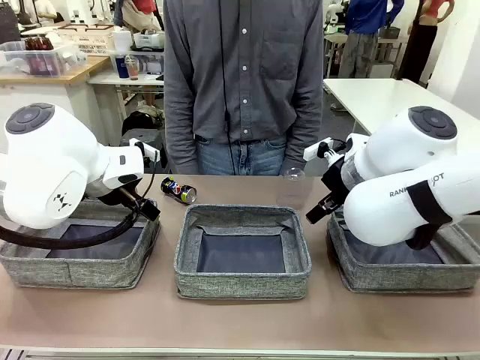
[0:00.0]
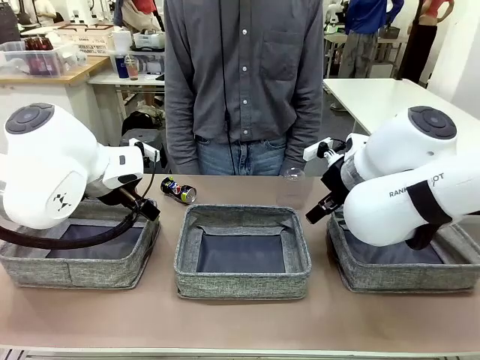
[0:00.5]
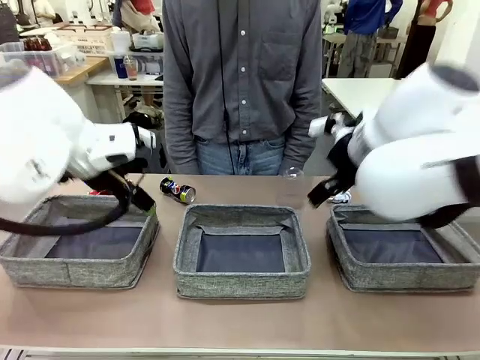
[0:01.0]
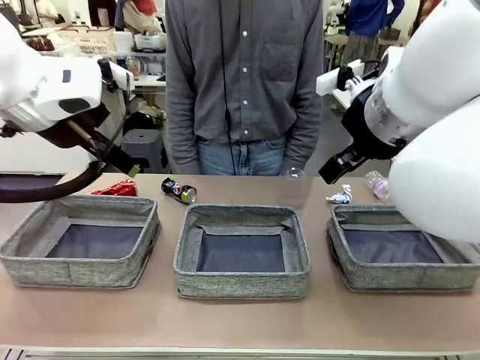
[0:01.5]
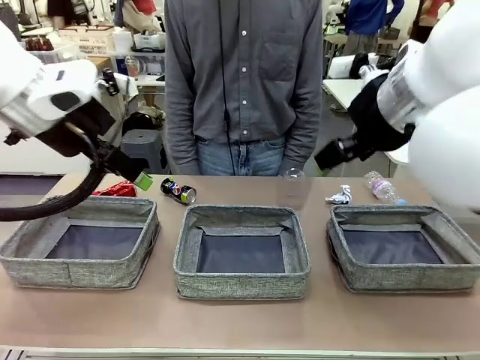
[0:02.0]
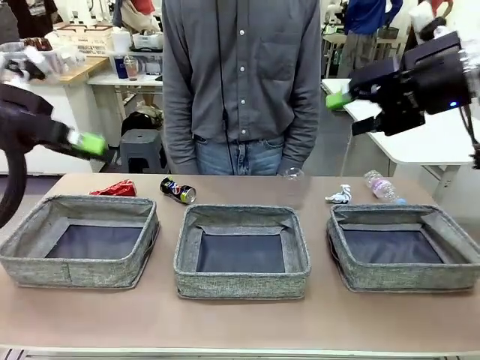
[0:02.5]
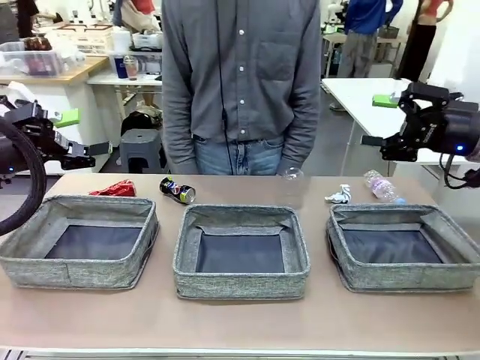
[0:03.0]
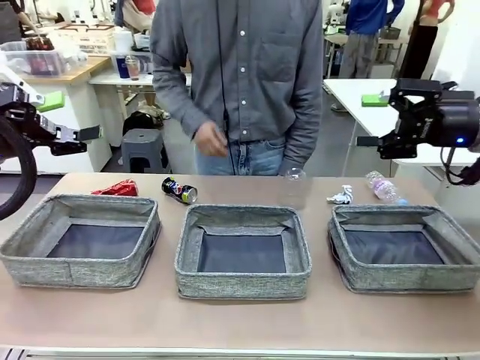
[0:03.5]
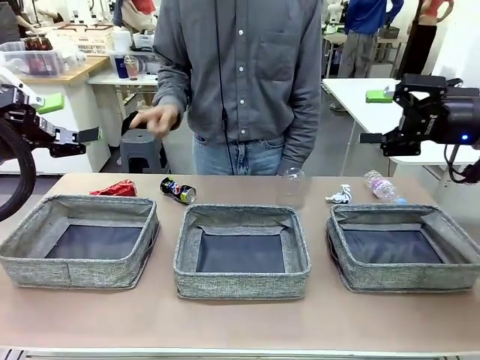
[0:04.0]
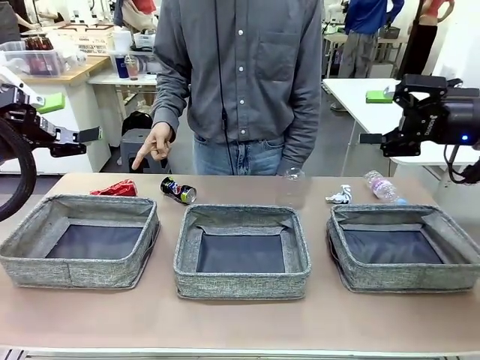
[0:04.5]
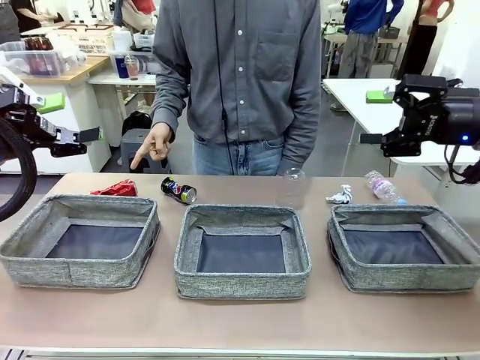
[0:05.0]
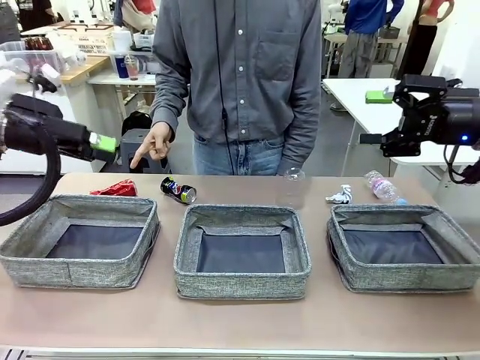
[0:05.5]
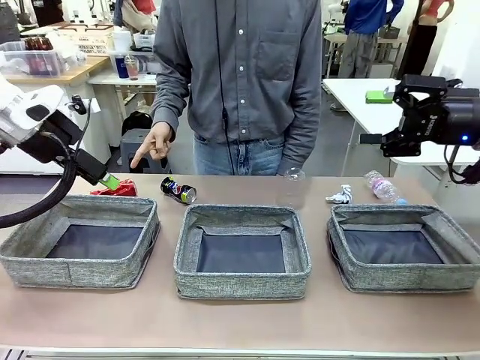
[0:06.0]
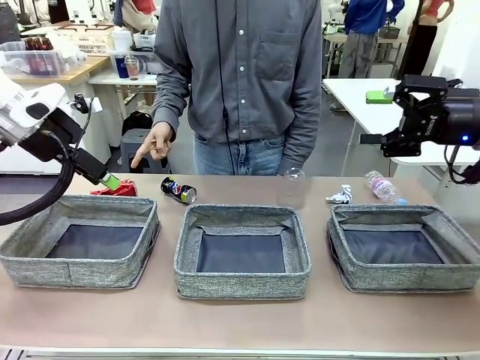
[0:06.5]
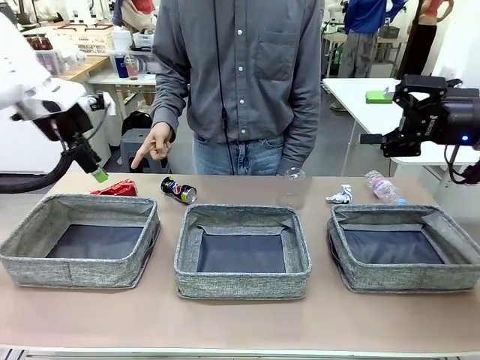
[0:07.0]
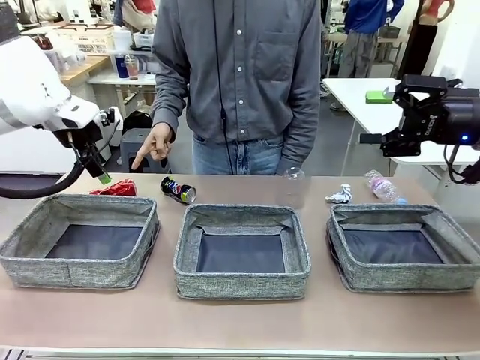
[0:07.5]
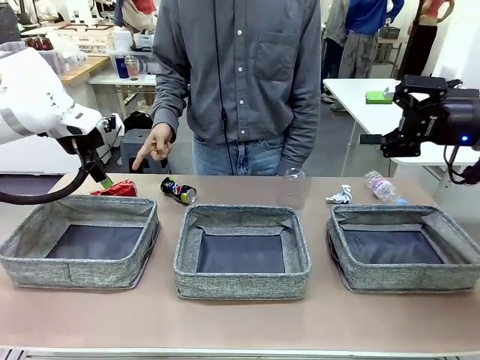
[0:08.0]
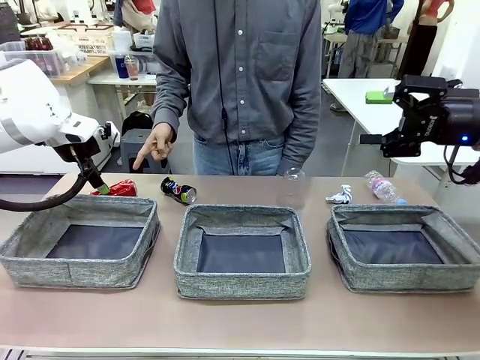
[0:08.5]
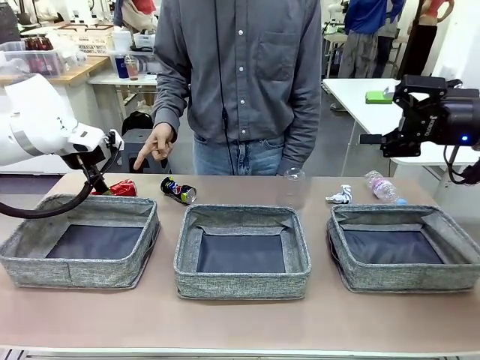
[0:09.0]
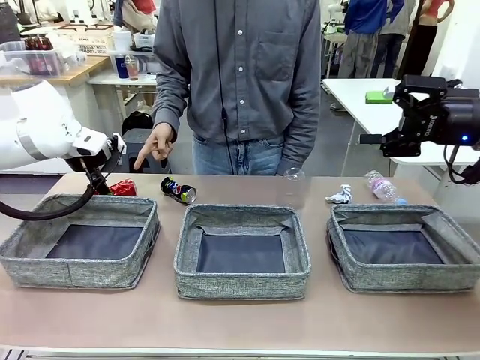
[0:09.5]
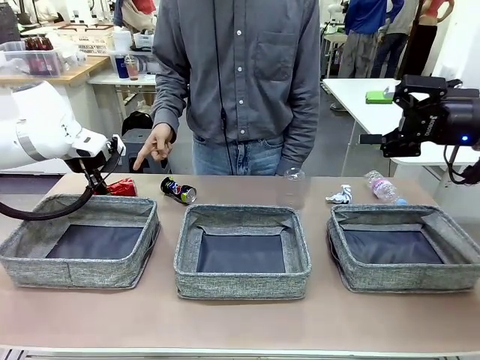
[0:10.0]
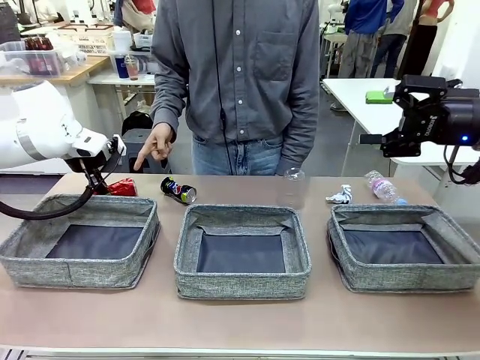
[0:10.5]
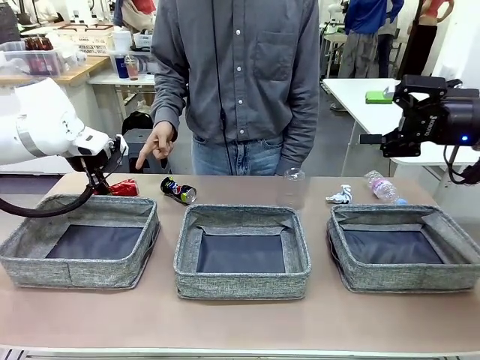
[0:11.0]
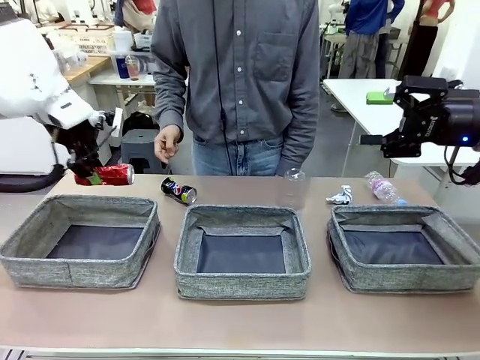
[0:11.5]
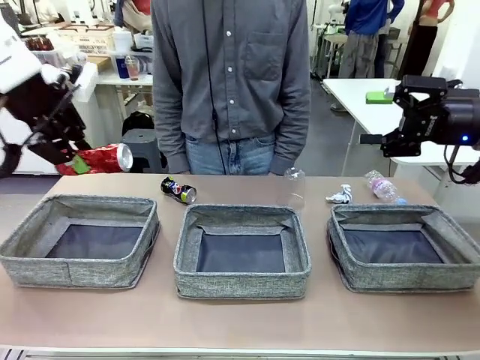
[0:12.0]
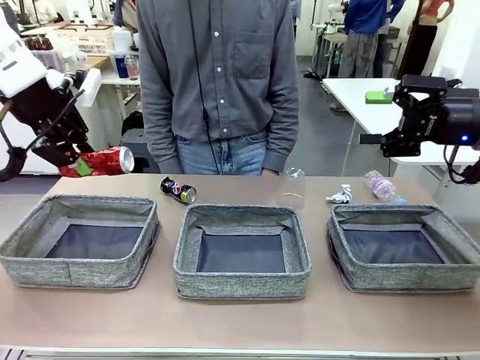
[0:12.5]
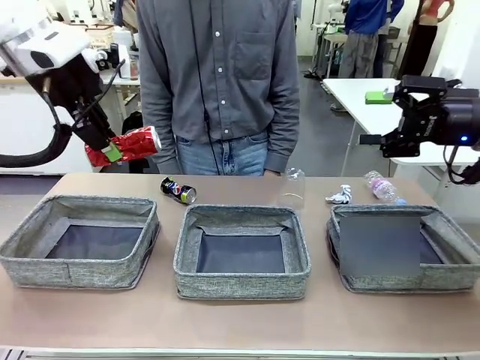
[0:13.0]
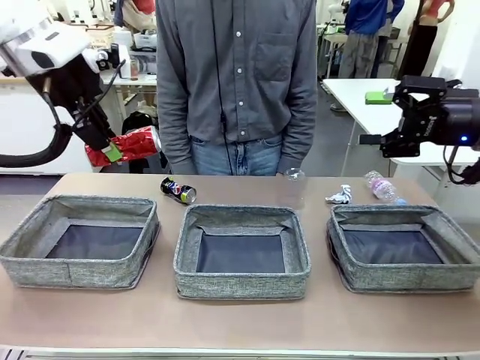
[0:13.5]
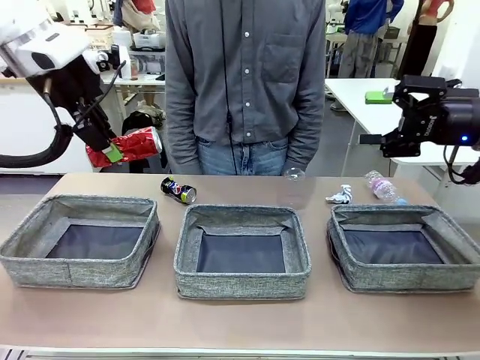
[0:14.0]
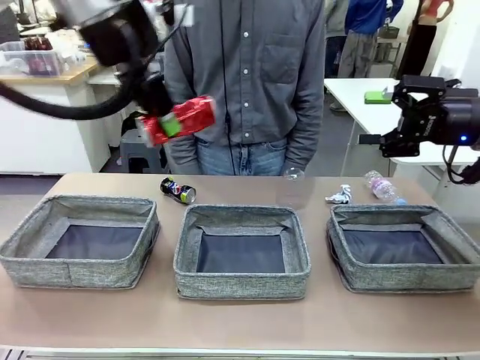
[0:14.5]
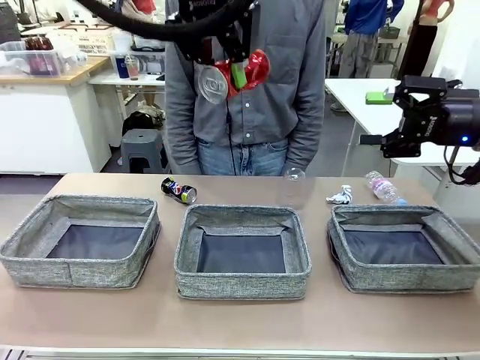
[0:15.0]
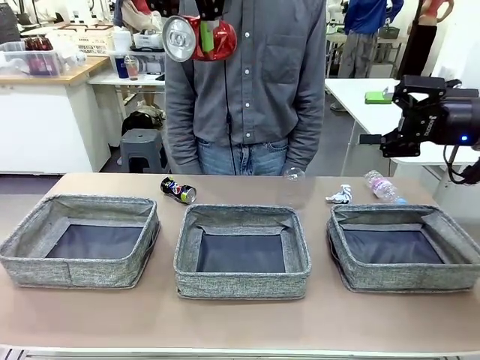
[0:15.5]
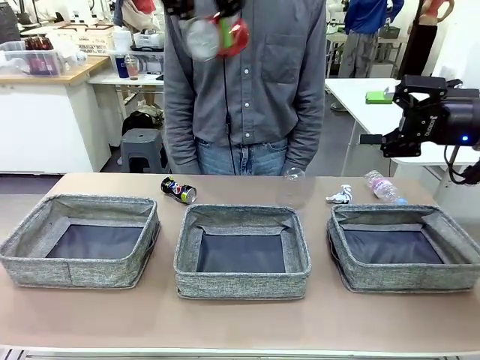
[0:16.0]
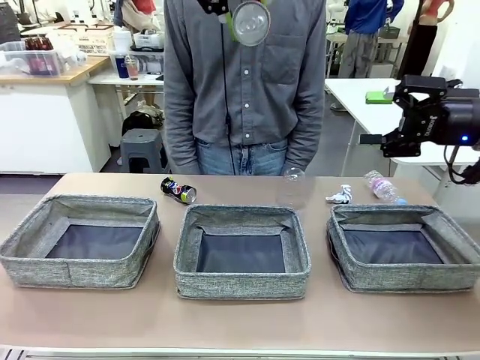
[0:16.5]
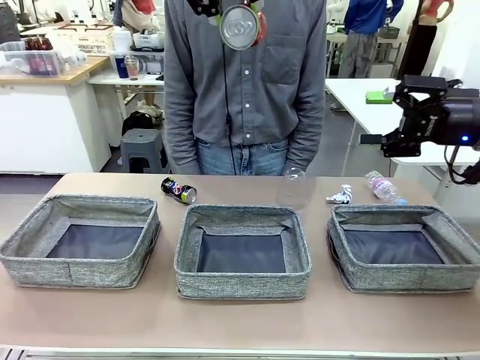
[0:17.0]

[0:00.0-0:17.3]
Task: Sort the waste into the appropriate baskets.
Robot: Pick up the waste item pointed out by the person.
Person: Points to one piece of trash on the table.

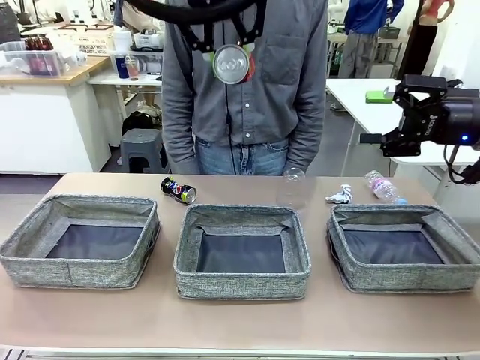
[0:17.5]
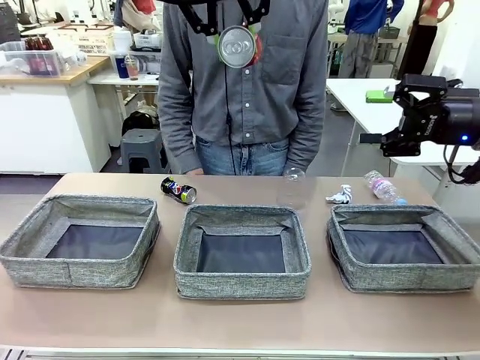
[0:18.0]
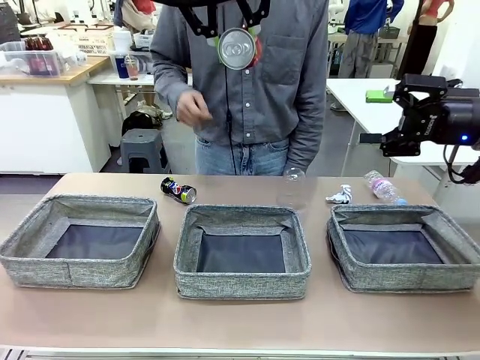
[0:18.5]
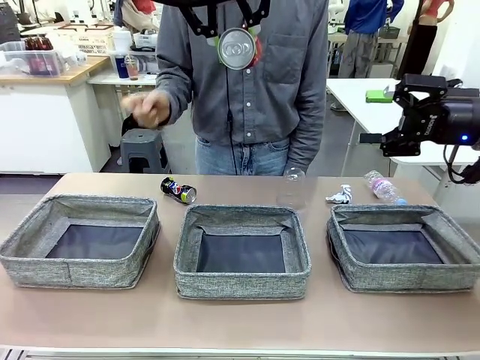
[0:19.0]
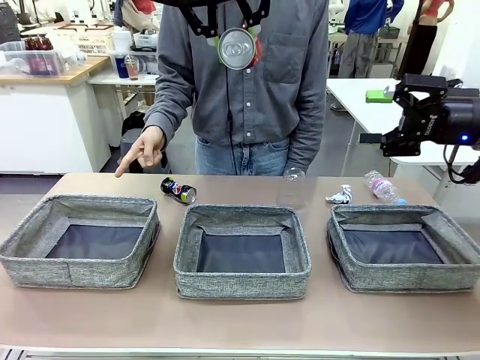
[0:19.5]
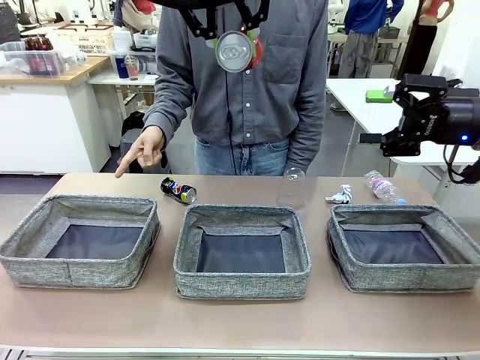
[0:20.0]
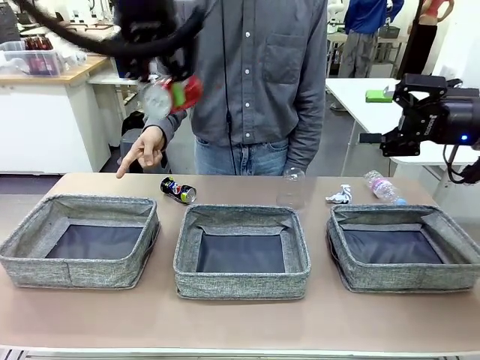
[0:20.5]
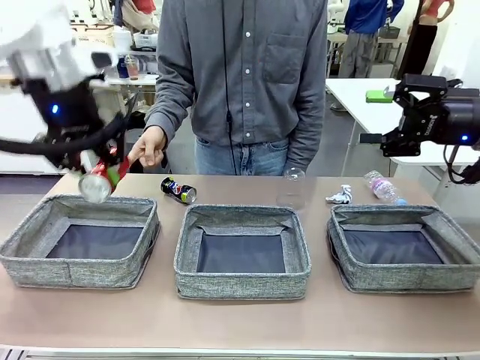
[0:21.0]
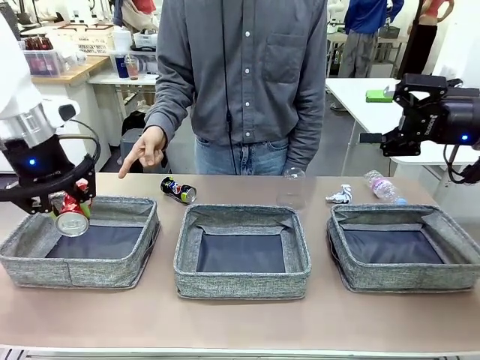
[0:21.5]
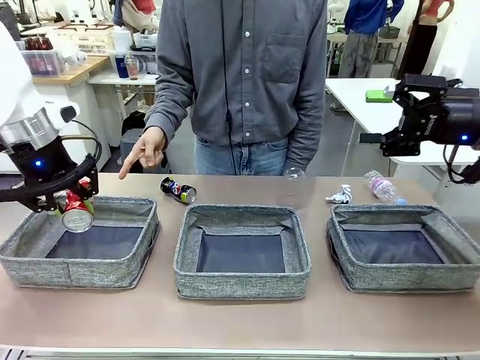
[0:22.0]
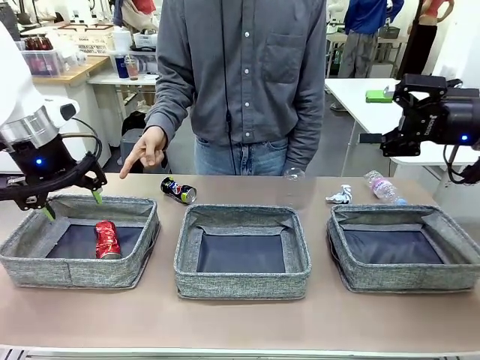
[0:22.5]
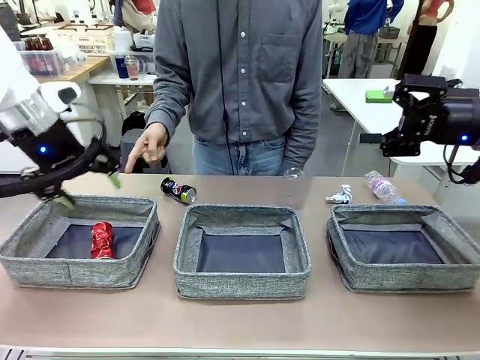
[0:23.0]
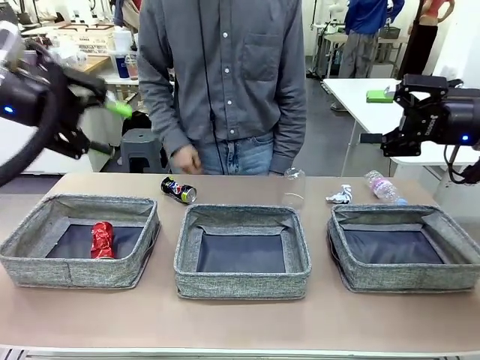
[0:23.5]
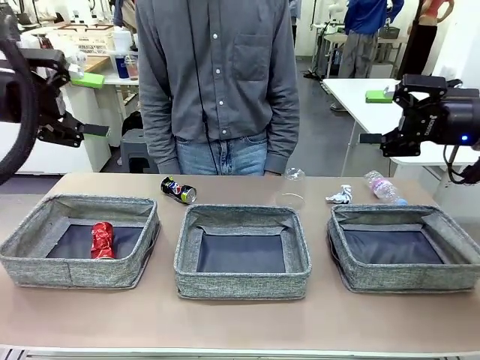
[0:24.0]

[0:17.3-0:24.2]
Robot: Place the picked waste into the Fabric basket indicated by the person.
Person: Instructs the robot to place the picked-up trash into the appropriate organizing basket.
